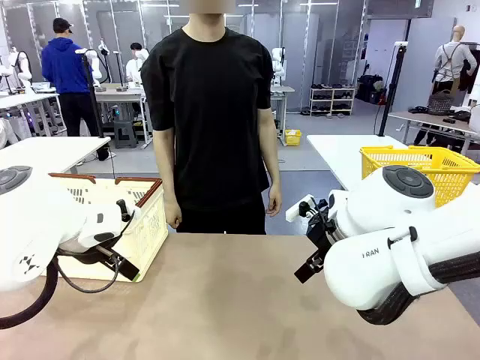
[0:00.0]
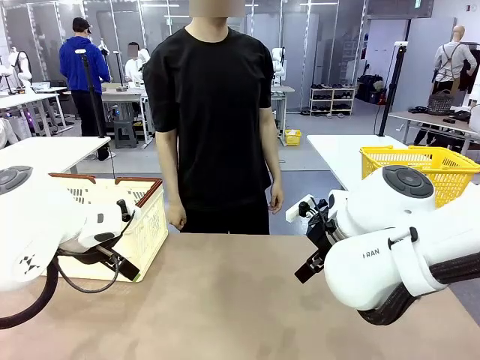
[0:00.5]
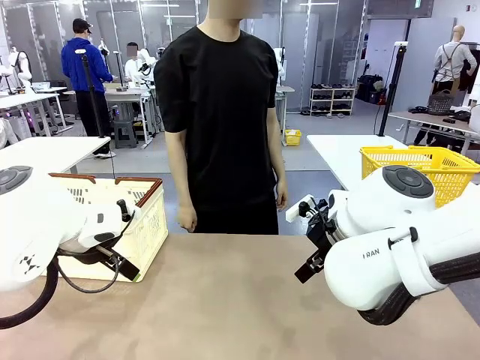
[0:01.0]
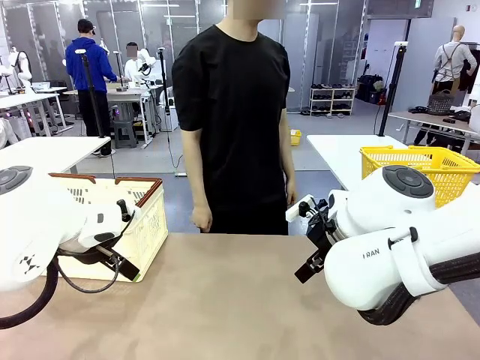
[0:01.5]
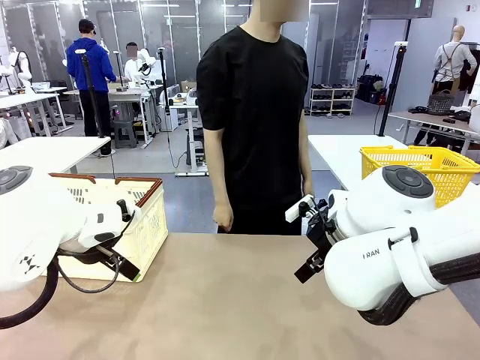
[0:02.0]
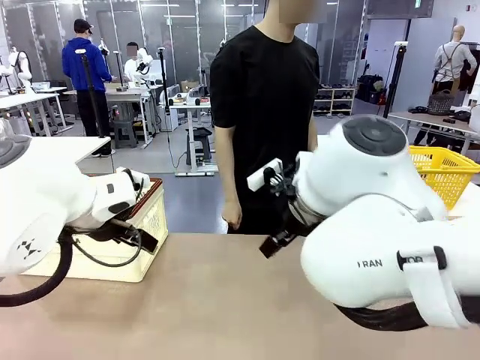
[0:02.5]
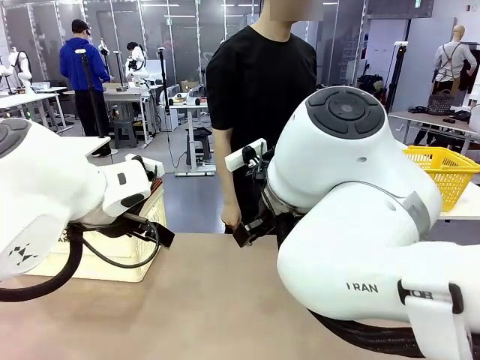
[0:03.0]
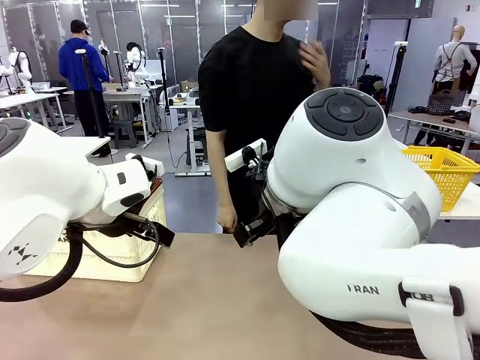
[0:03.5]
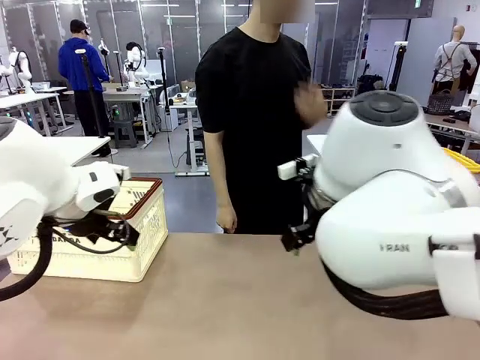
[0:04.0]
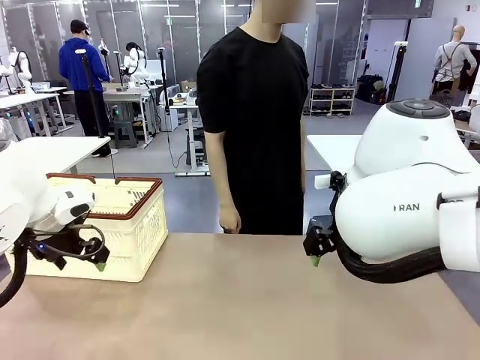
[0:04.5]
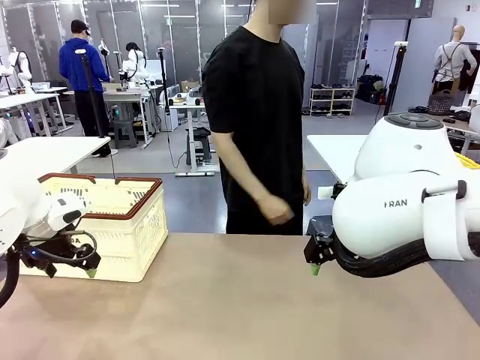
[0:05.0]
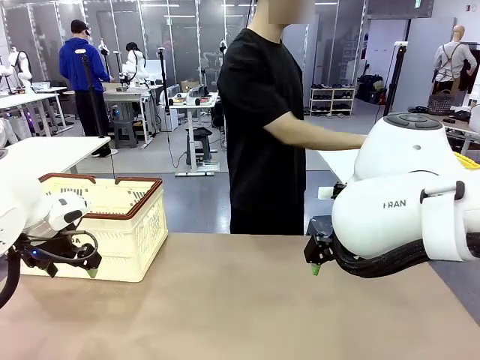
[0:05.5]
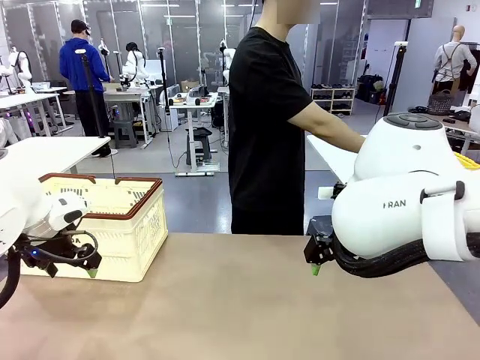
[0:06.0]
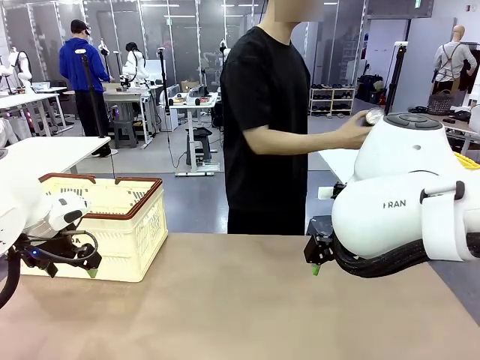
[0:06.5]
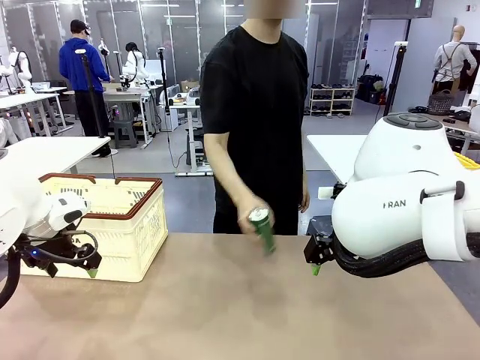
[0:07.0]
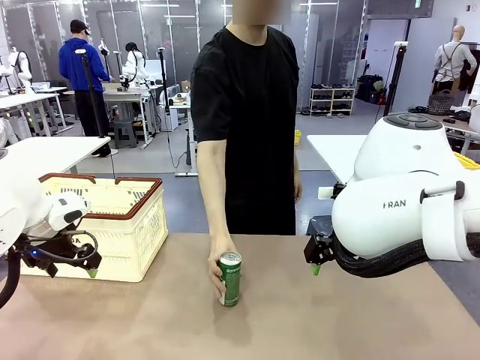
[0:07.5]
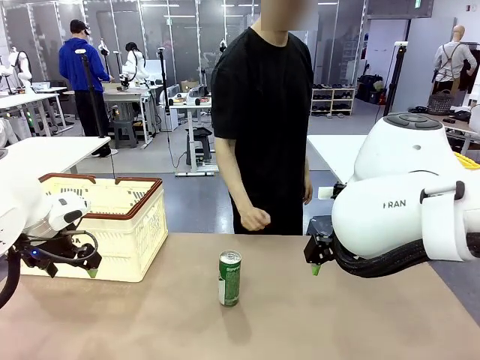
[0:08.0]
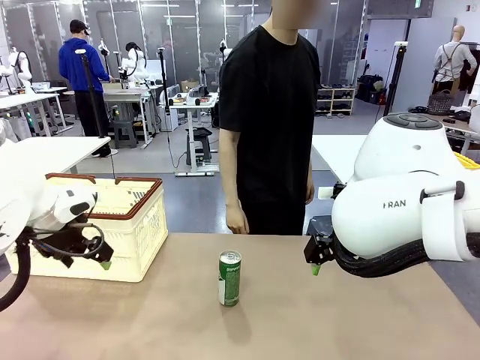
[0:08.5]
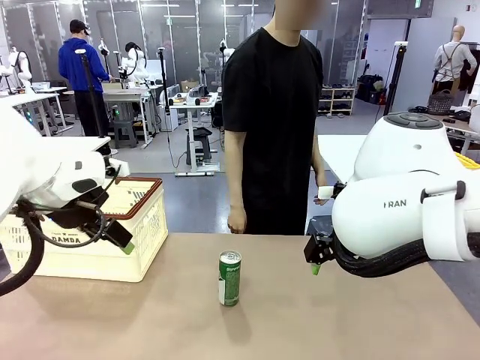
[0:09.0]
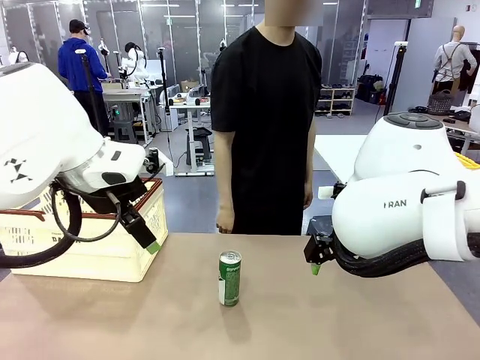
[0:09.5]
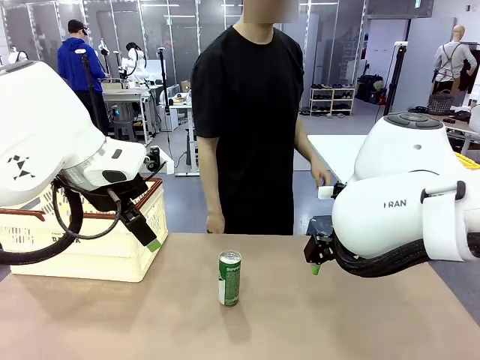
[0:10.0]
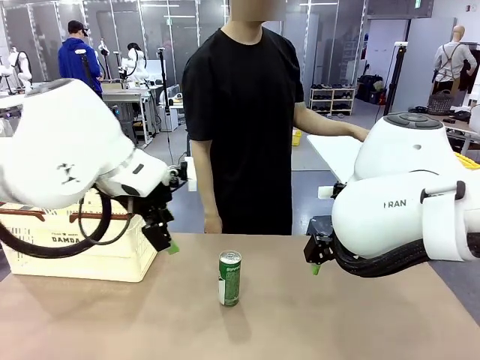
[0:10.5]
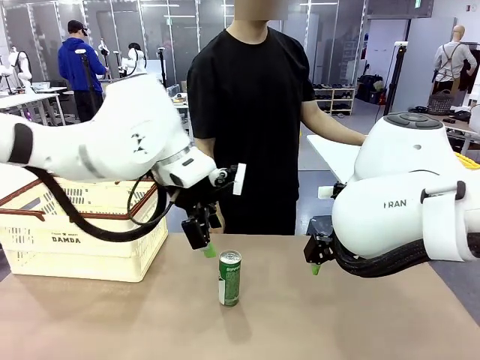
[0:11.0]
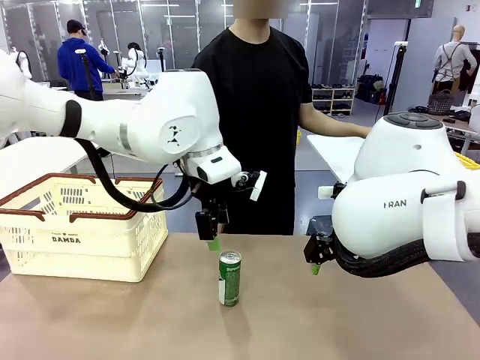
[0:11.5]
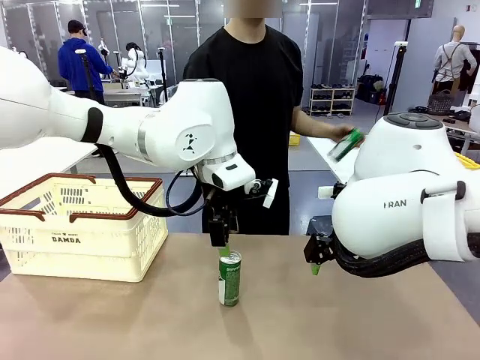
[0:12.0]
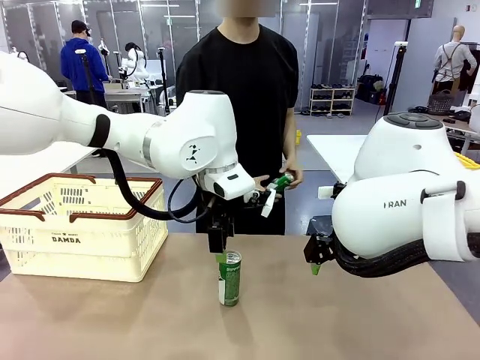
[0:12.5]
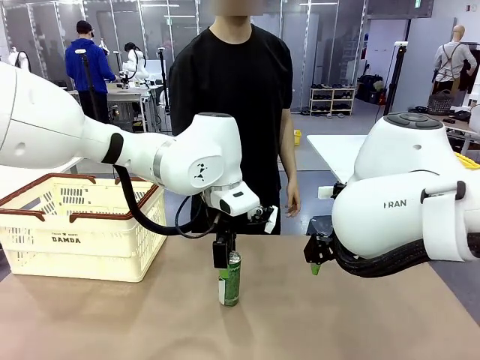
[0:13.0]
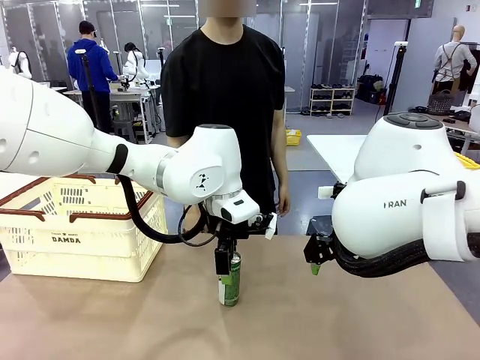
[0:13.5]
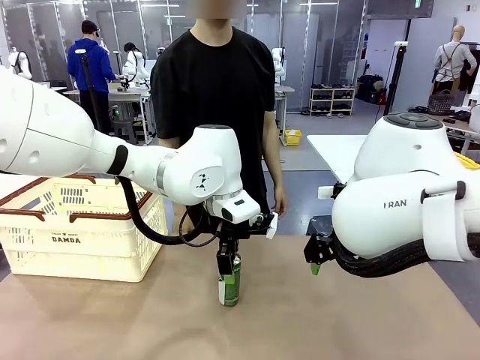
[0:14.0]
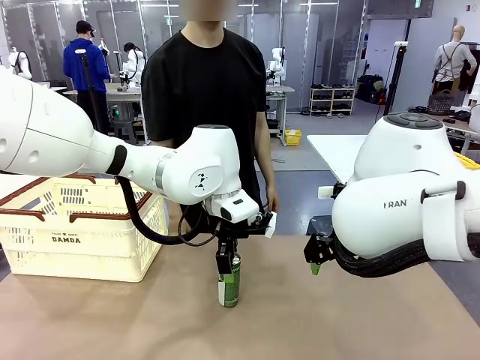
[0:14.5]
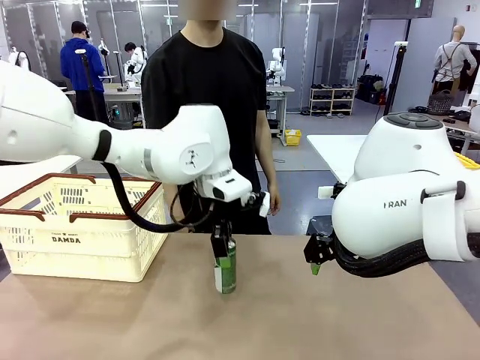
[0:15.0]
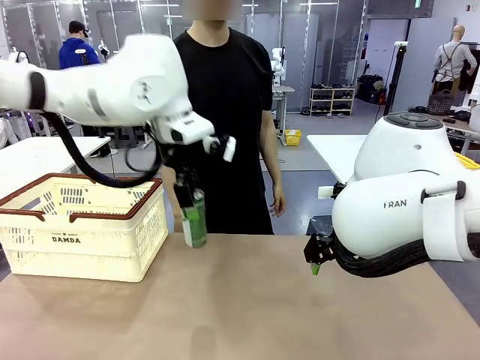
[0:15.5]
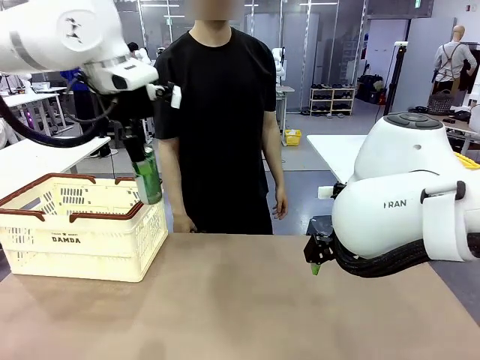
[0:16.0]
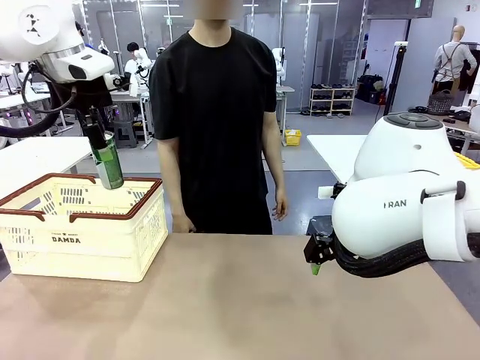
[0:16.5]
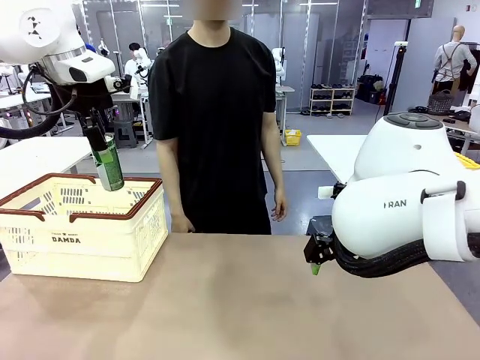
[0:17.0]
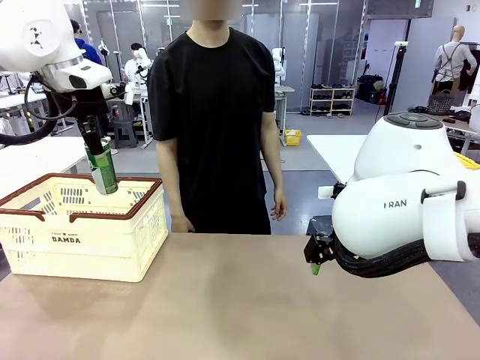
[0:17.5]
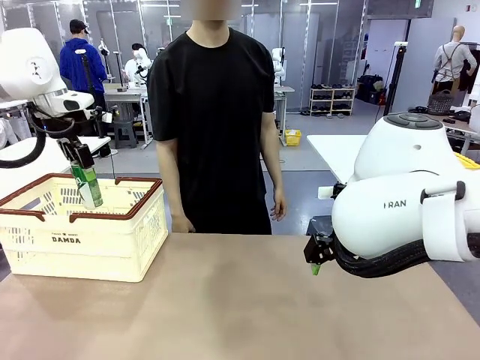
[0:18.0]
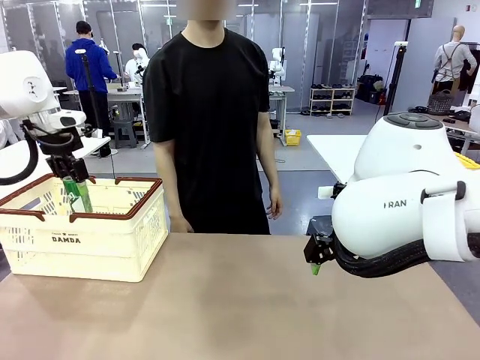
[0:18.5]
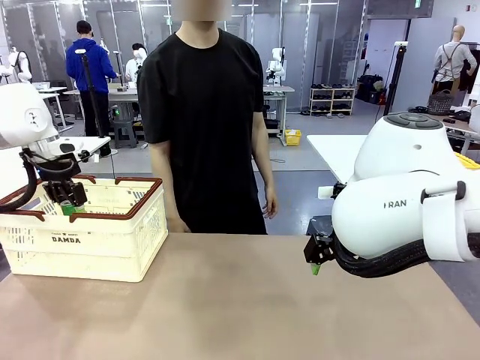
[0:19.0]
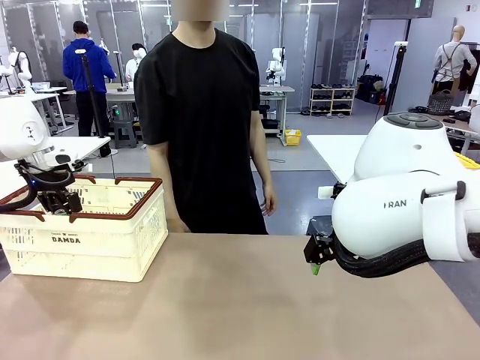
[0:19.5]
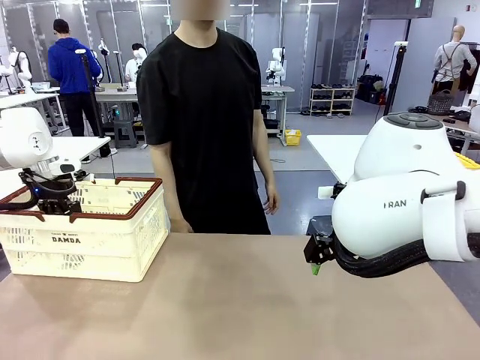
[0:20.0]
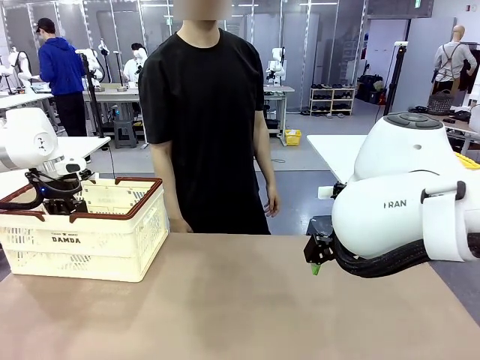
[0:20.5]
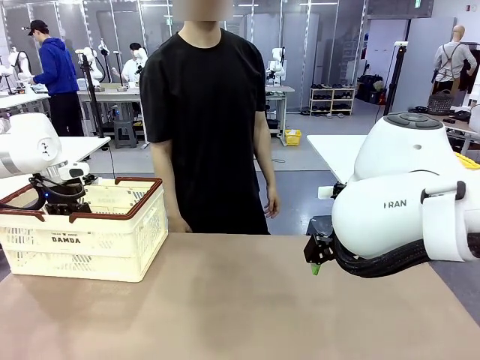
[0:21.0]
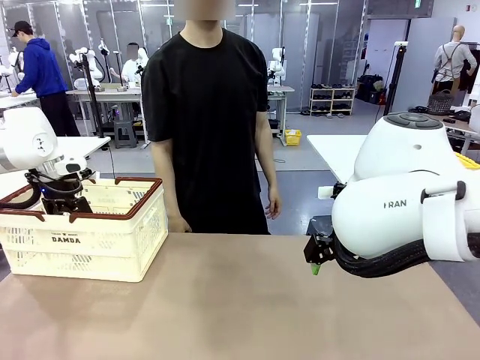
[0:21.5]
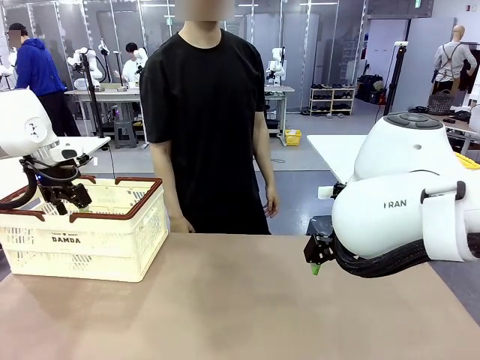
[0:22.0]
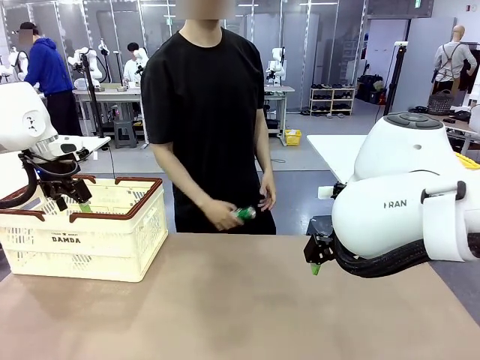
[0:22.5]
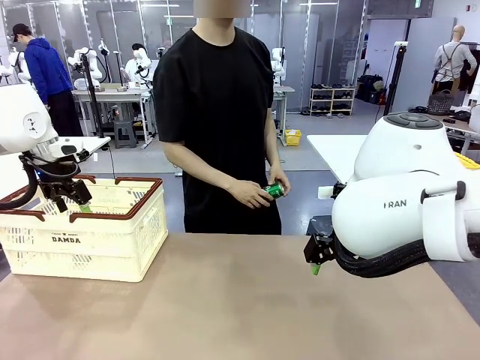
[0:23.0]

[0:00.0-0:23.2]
Task: Place the drinks into the Shopping basket.
Robot: Pick up one drink and place it into the Shopping basket.
